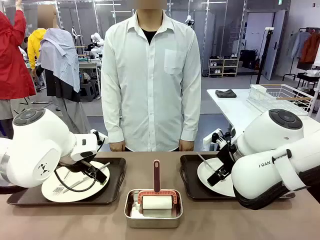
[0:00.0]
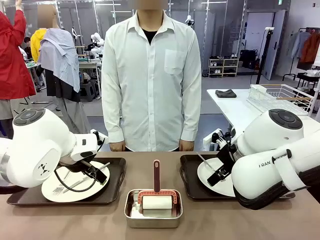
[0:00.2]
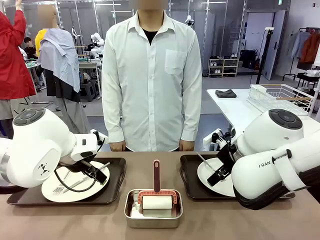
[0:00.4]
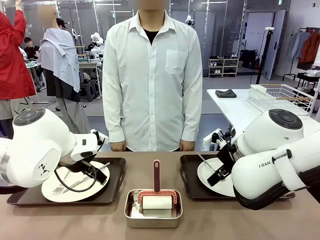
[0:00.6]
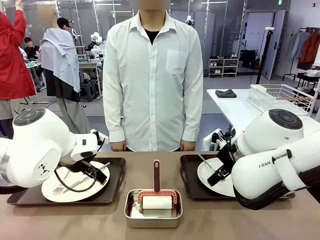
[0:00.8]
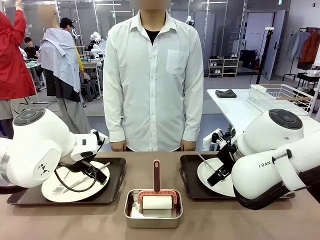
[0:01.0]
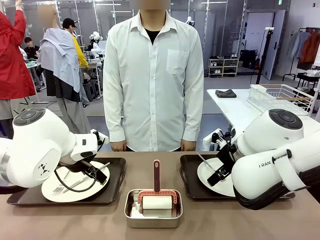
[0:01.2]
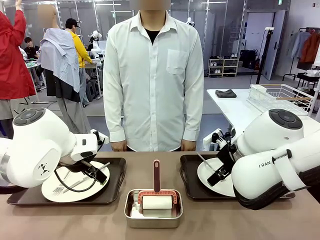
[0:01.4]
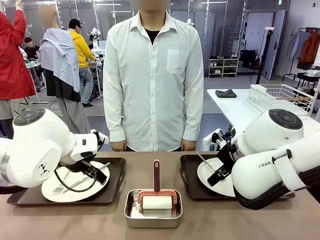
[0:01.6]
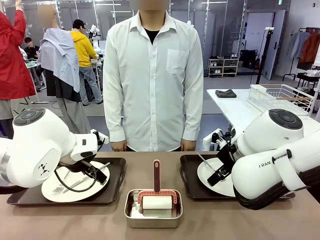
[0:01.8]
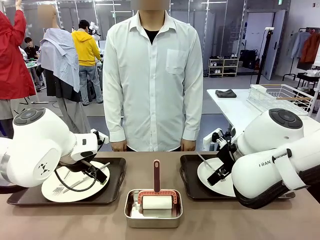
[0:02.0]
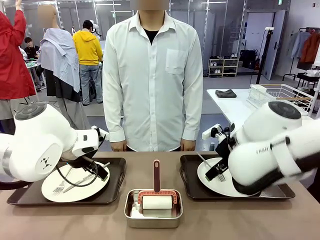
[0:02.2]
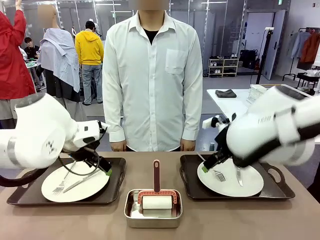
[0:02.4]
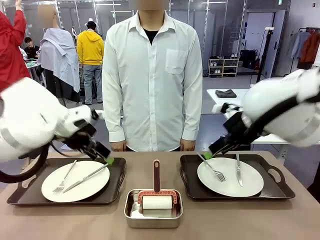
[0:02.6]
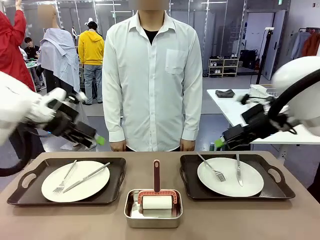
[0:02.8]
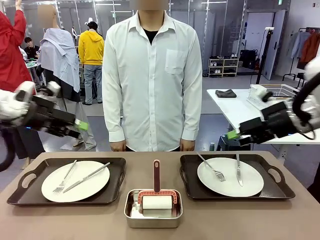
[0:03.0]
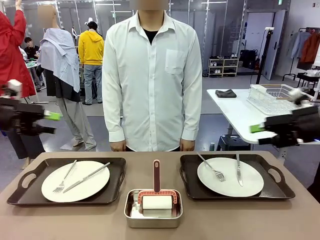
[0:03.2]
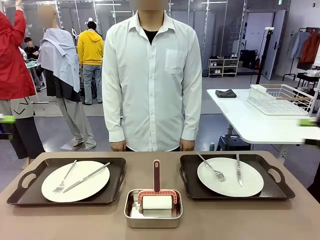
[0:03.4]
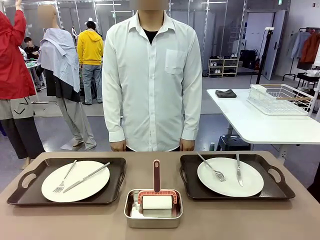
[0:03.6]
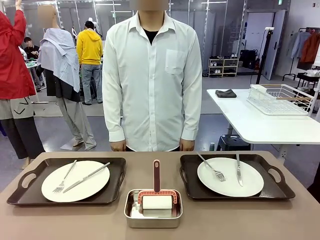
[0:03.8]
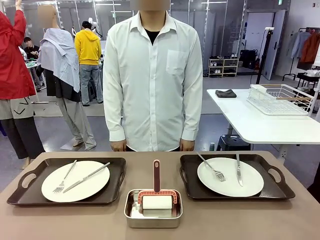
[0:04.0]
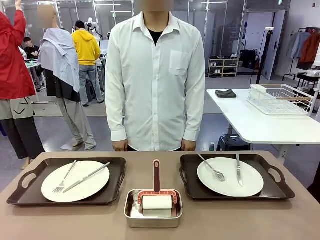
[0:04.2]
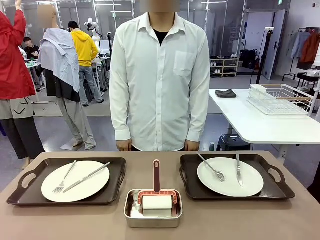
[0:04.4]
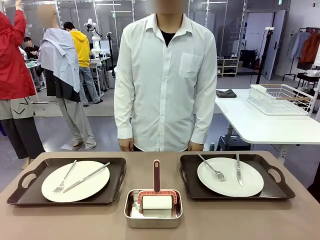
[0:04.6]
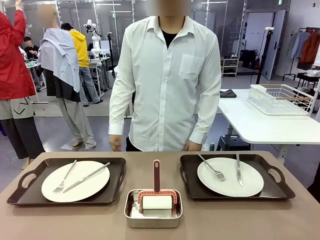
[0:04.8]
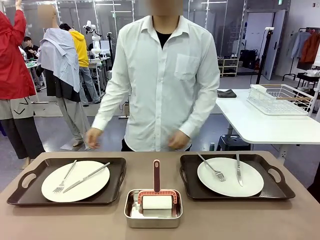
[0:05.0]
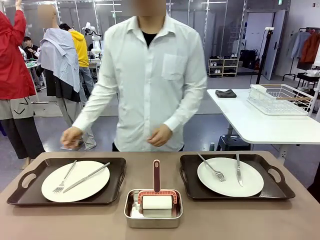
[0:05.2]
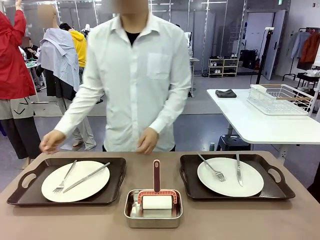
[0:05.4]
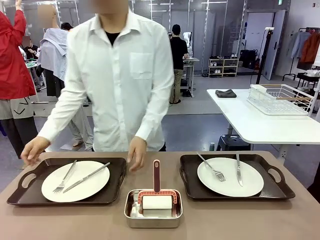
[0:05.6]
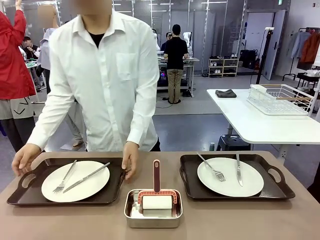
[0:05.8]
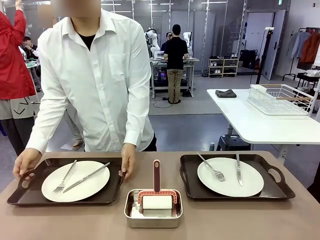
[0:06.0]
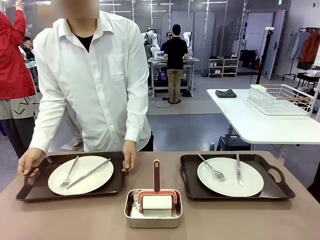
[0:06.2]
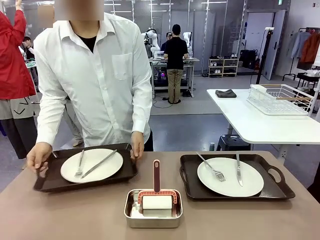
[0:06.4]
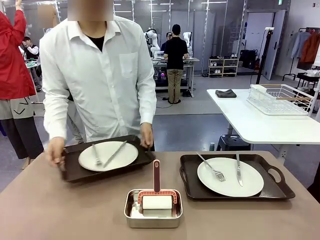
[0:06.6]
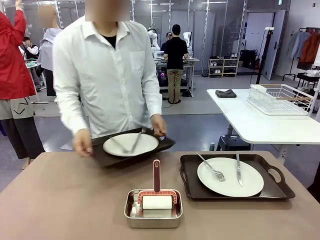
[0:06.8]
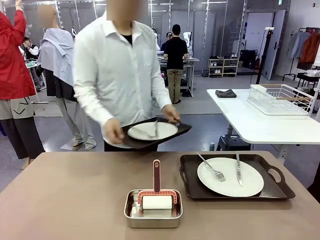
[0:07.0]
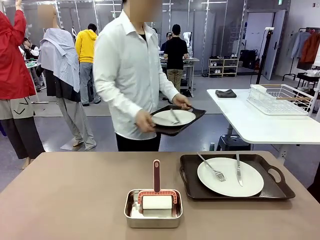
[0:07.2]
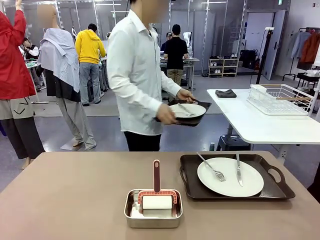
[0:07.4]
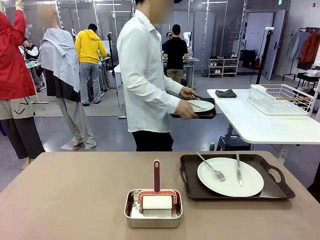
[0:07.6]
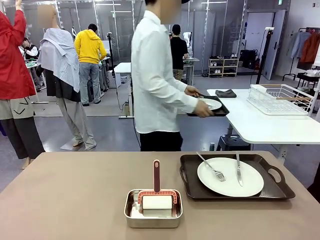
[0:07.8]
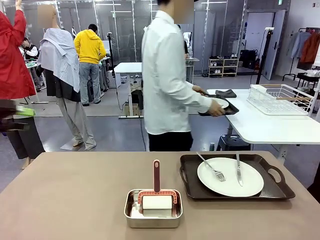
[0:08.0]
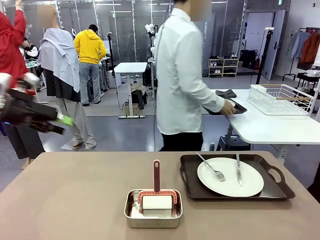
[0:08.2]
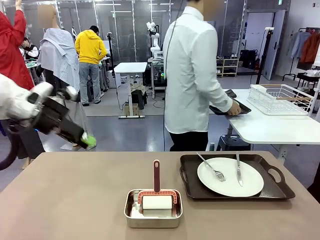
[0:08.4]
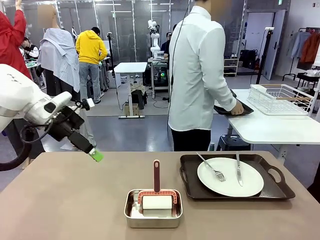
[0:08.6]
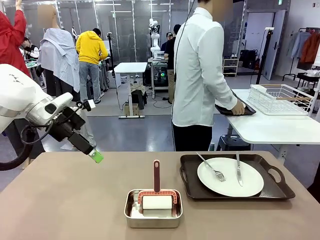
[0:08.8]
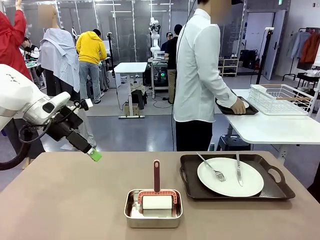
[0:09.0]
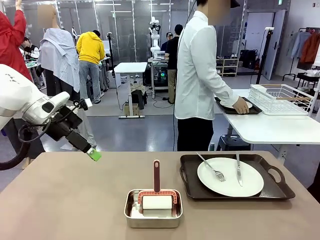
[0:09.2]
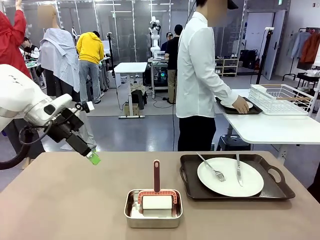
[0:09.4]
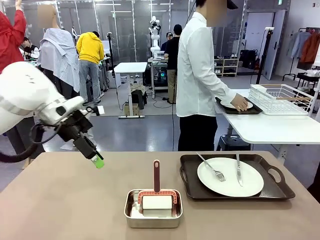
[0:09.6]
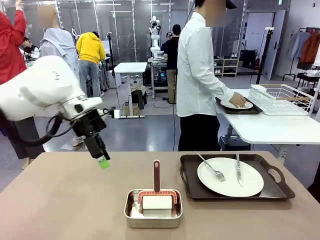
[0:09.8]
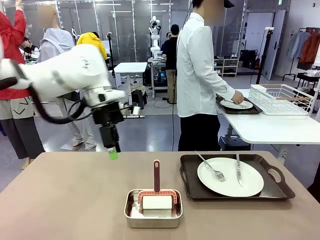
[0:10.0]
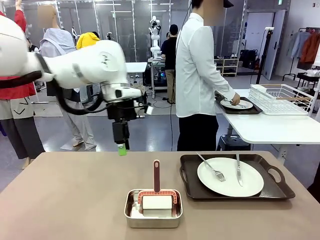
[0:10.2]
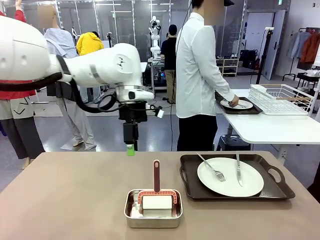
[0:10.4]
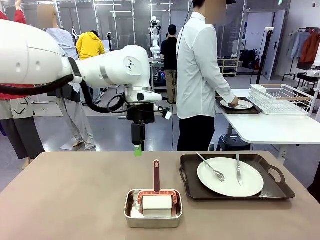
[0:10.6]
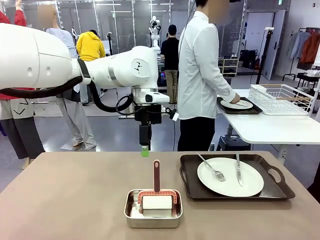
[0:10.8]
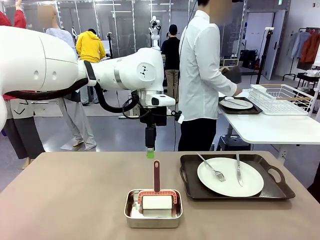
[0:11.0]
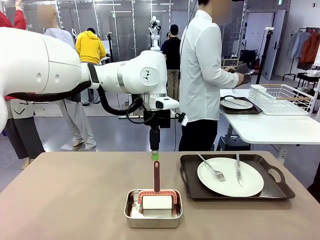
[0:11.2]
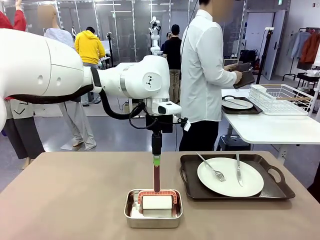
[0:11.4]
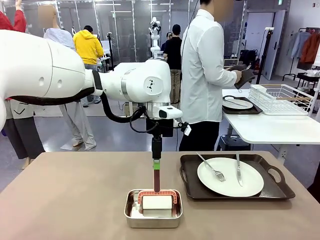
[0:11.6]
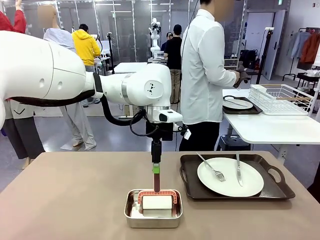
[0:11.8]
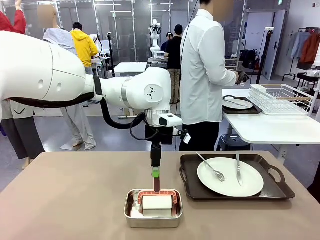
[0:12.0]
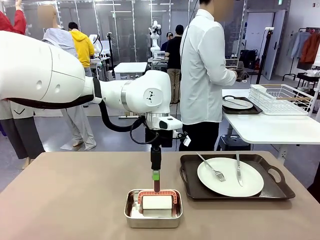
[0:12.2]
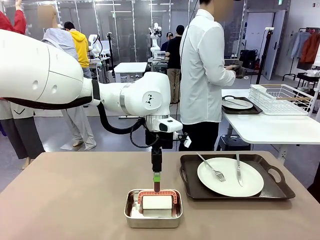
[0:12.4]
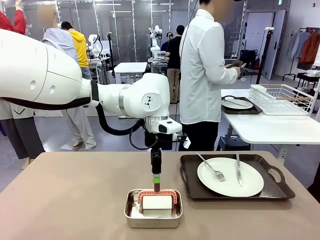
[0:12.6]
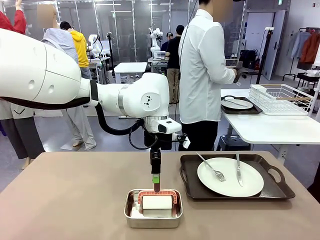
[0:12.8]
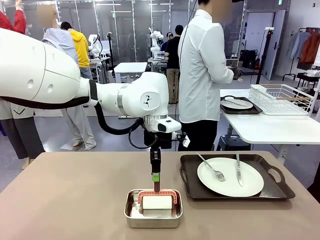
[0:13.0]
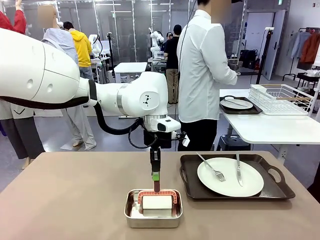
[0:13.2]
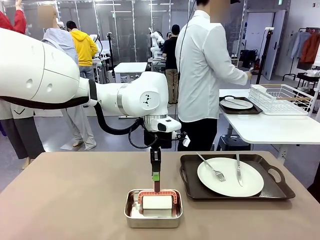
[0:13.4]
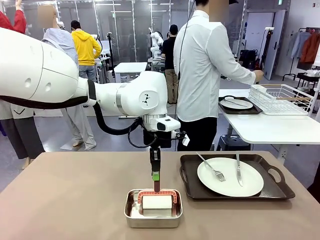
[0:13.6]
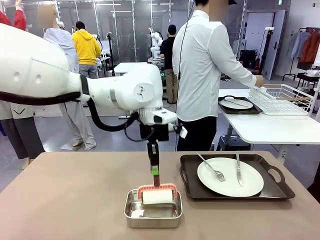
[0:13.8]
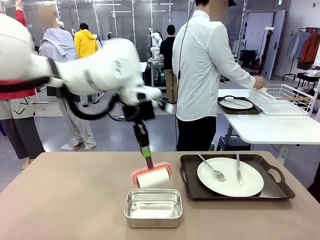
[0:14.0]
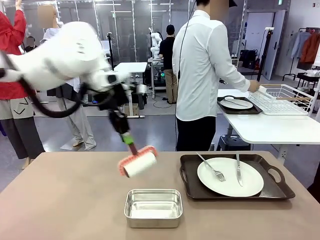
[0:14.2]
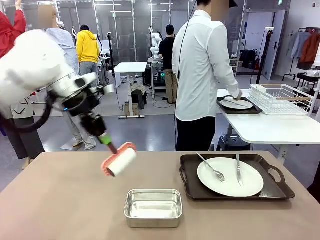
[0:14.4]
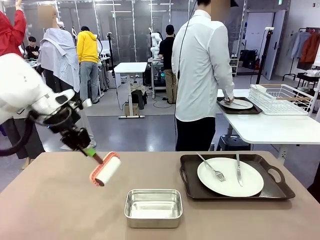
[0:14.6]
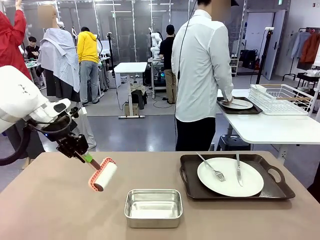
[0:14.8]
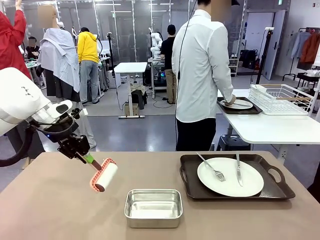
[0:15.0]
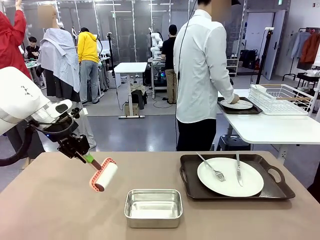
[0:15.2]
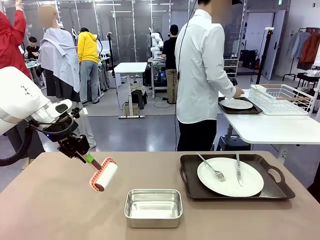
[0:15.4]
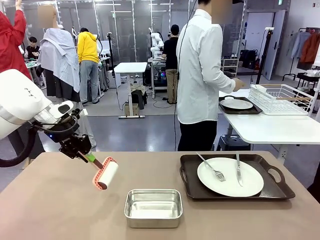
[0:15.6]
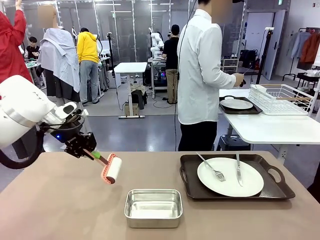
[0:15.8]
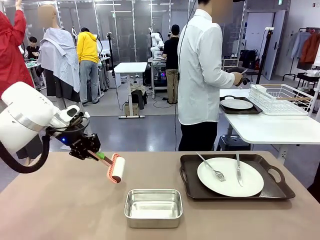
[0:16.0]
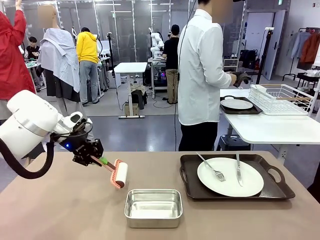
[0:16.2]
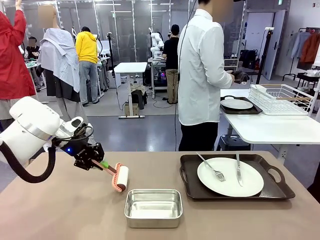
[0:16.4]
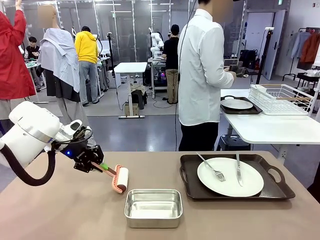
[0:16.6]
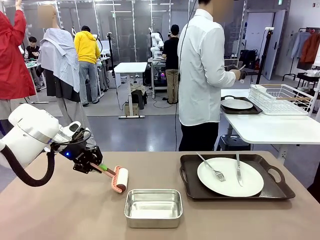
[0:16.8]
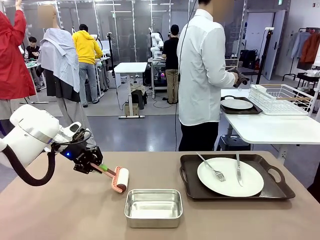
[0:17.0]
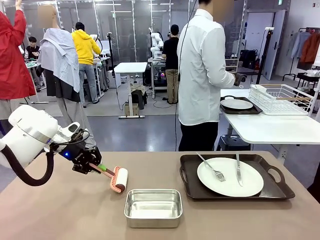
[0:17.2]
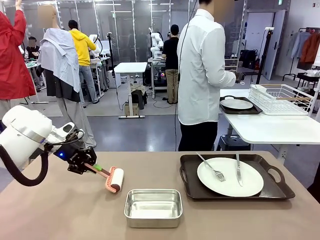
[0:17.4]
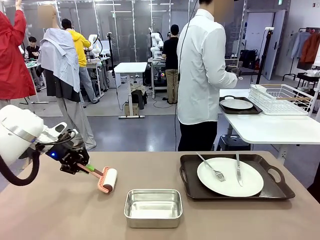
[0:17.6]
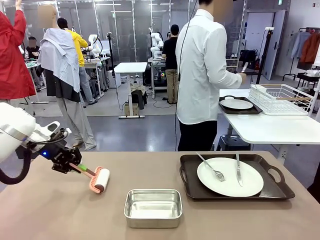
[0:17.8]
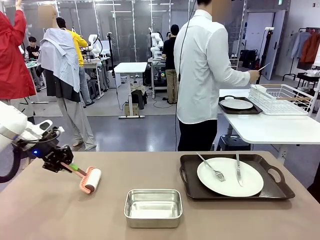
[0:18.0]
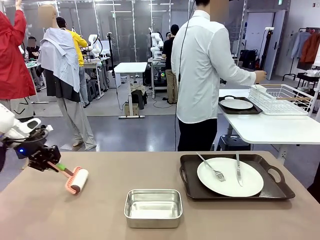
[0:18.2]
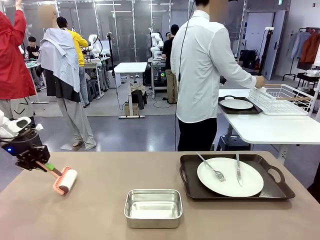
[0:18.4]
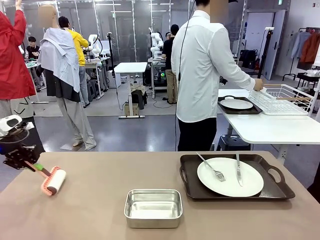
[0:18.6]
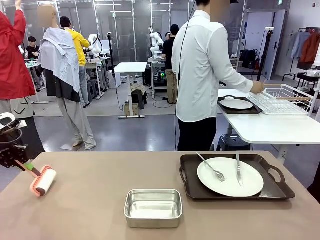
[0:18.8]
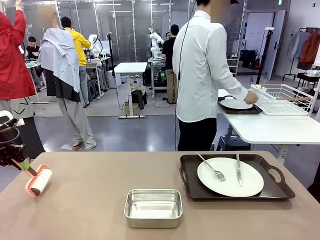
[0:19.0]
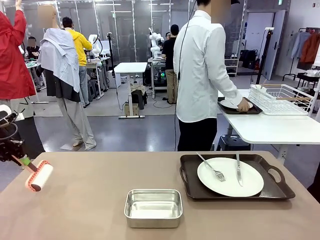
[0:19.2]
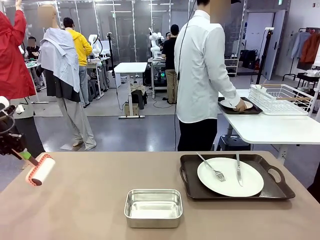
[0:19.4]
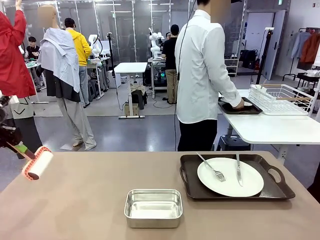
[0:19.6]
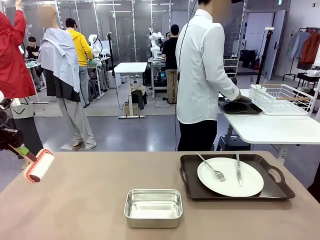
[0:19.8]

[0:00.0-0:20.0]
Robot: When the left (or right) Handle tray is removed, use the left hand (or right hand) to clean the left (or right) side of the table with the Lint Roller.
Person: Pick up the left (or right) Handle tray and place it on the middle of the Human's table. Use the Towel with hook to wipe the Plastic Matte Plate , Fork , and Knife and place into the Dish drying rack.

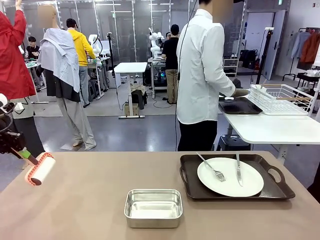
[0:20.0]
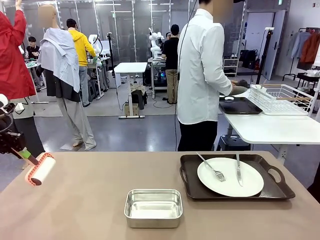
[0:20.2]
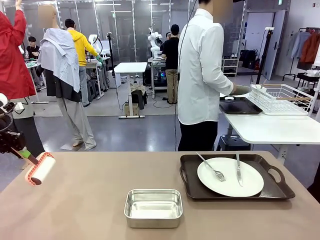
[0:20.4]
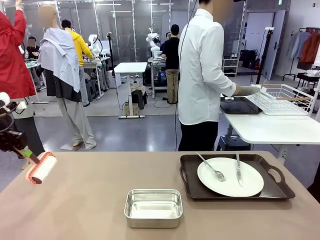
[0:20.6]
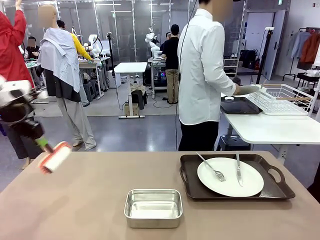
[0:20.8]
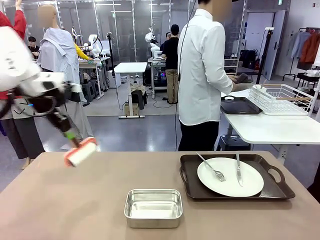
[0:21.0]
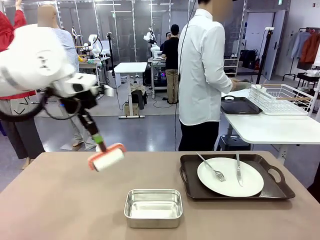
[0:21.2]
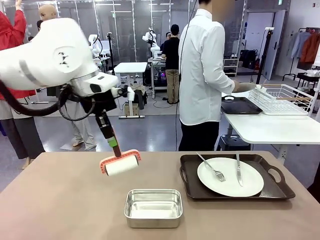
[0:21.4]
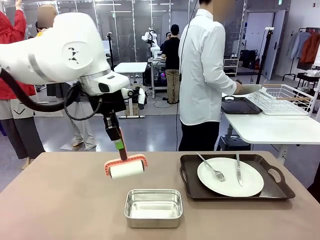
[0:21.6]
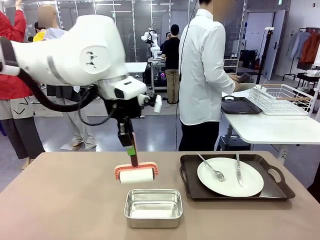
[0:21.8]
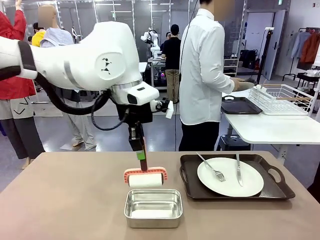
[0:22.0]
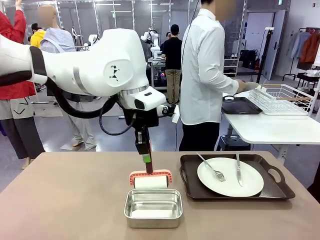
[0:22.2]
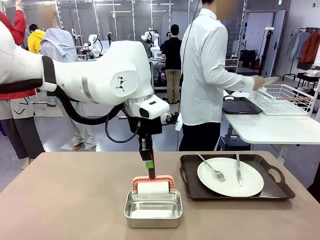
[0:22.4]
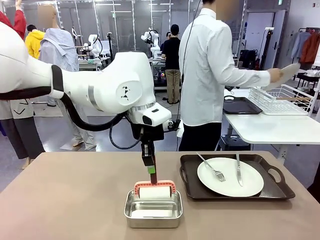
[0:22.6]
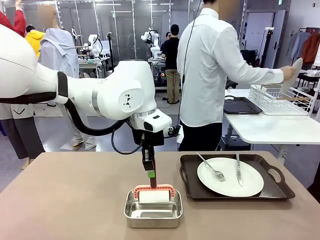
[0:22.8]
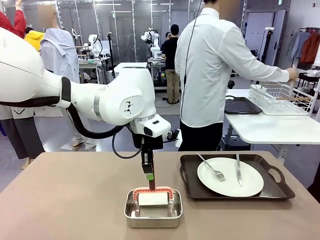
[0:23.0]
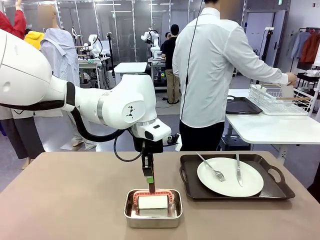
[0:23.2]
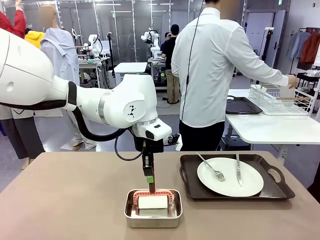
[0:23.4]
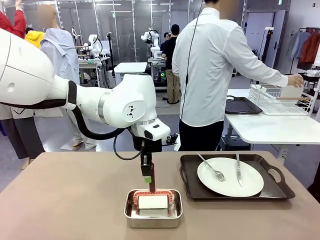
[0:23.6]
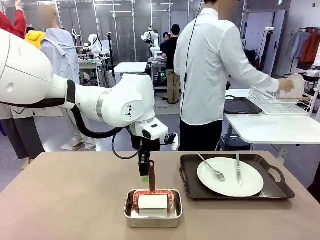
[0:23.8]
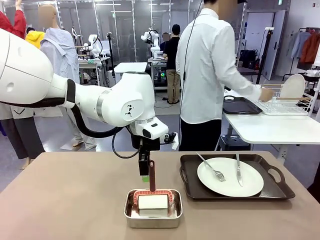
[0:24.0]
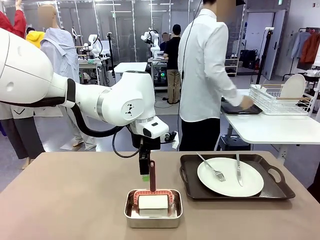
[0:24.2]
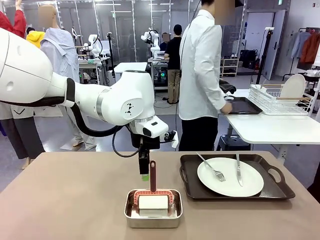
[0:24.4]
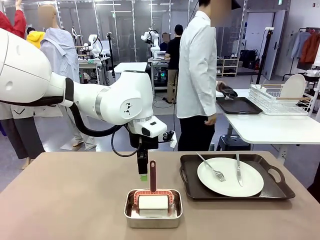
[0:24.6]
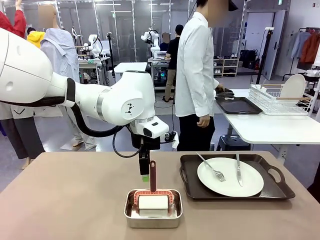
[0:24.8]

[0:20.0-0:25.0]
Robot: Place the Lint Roller back on top of the Airtight Container.
